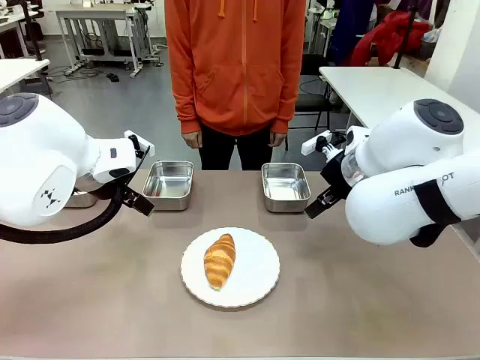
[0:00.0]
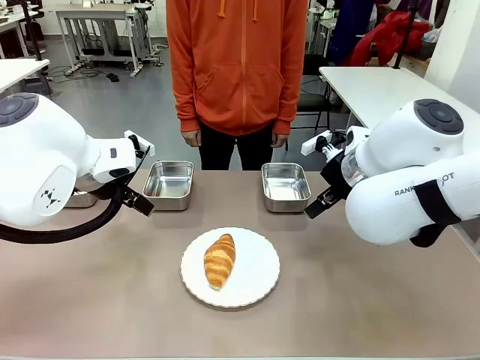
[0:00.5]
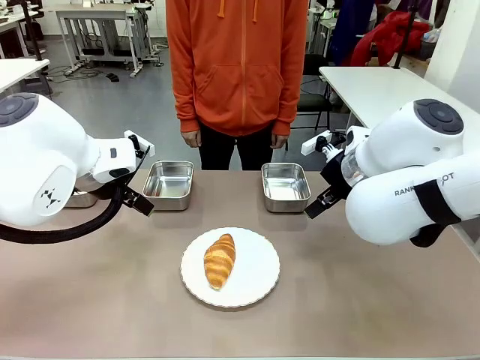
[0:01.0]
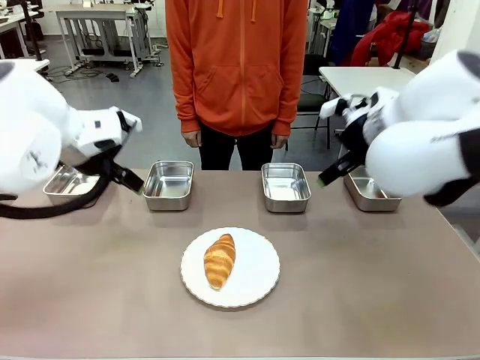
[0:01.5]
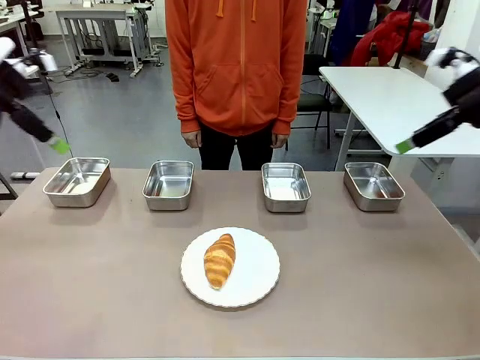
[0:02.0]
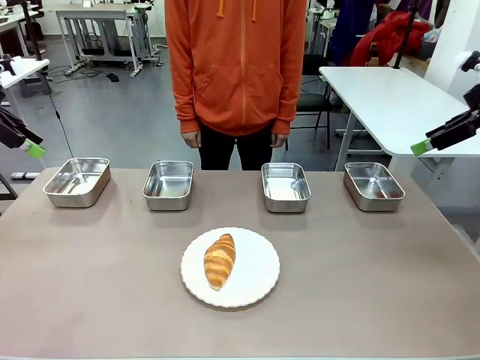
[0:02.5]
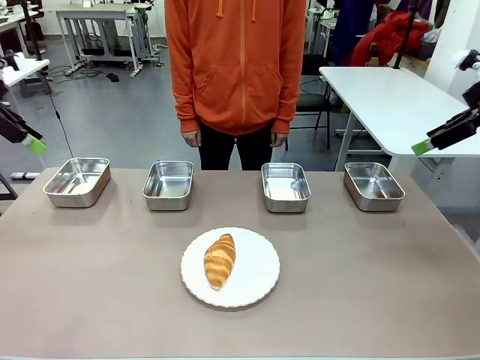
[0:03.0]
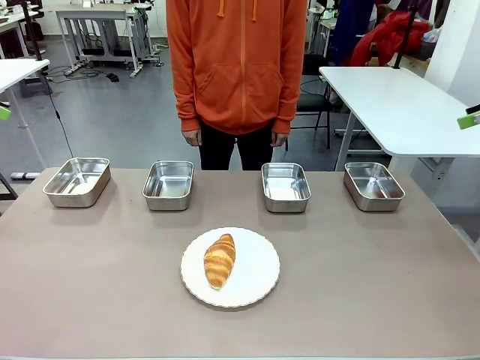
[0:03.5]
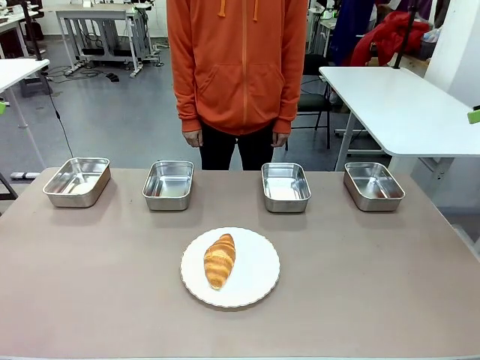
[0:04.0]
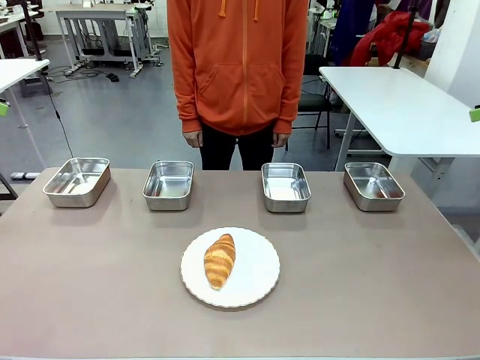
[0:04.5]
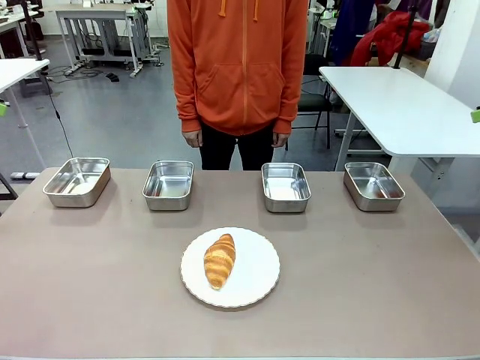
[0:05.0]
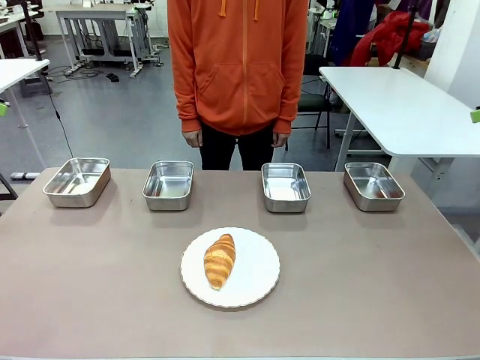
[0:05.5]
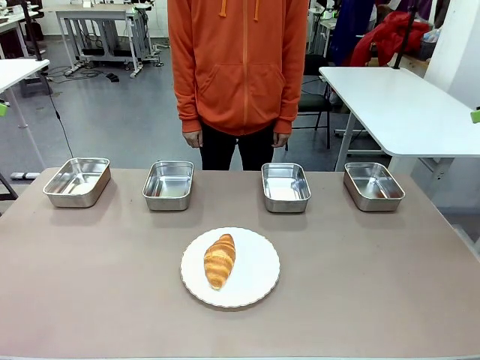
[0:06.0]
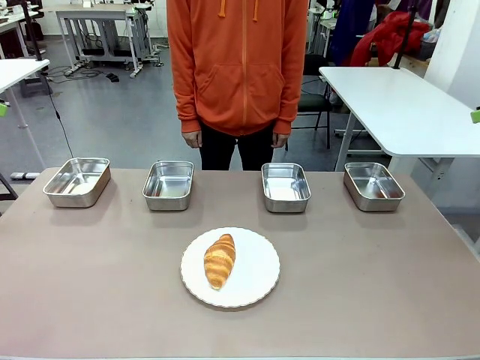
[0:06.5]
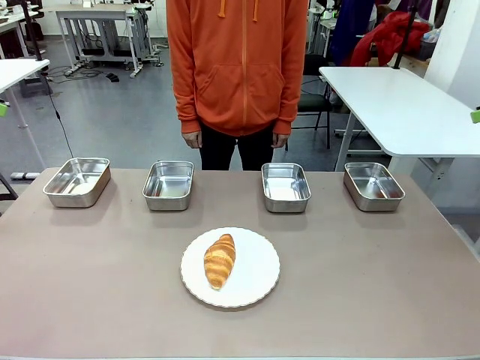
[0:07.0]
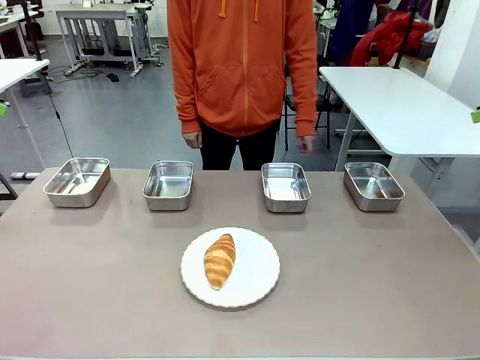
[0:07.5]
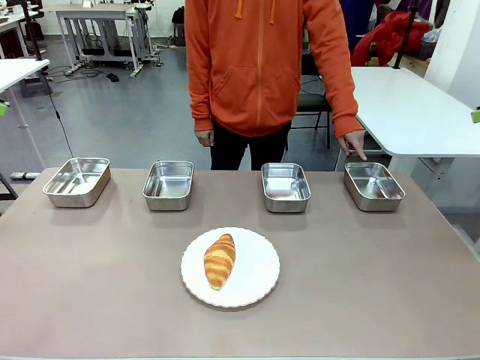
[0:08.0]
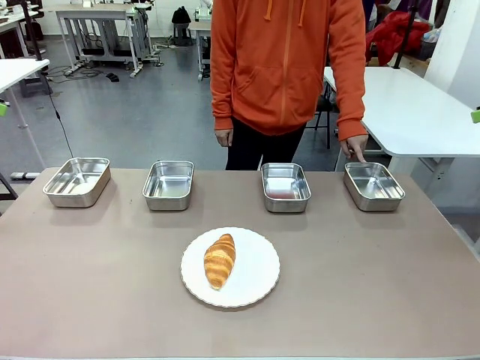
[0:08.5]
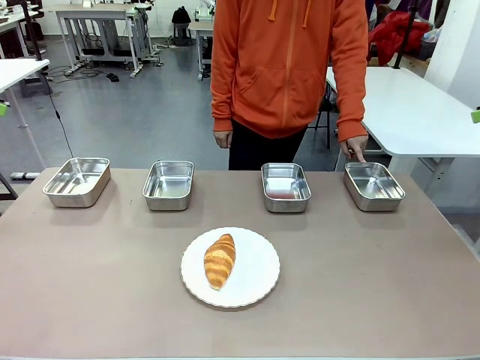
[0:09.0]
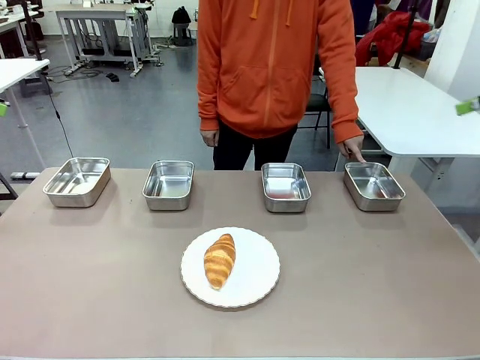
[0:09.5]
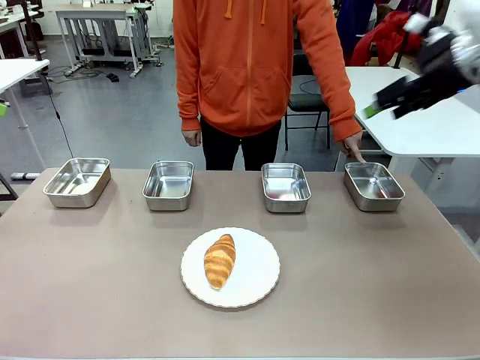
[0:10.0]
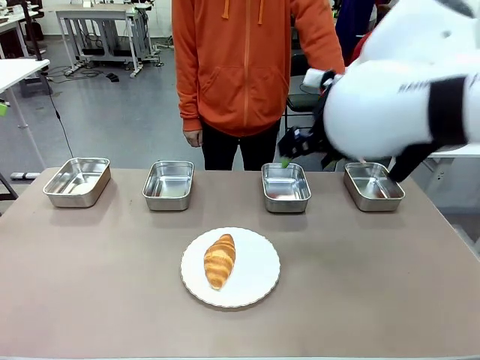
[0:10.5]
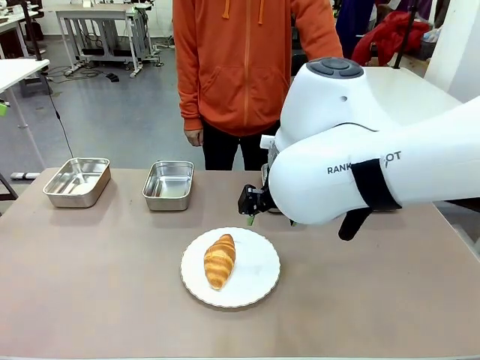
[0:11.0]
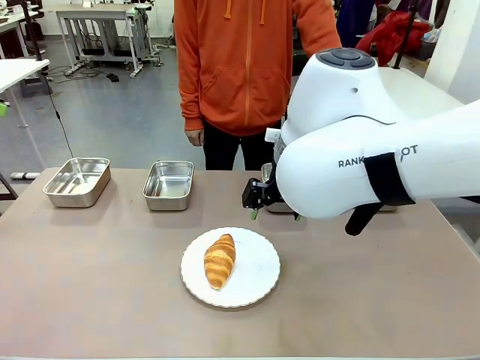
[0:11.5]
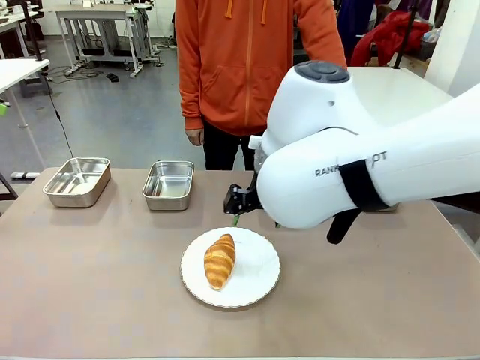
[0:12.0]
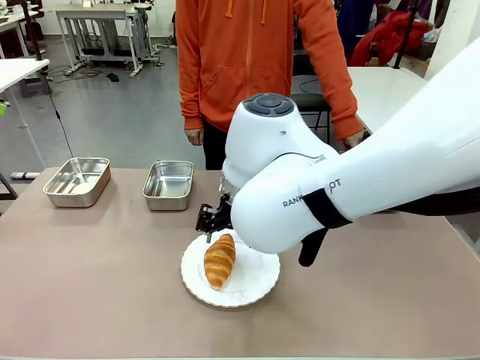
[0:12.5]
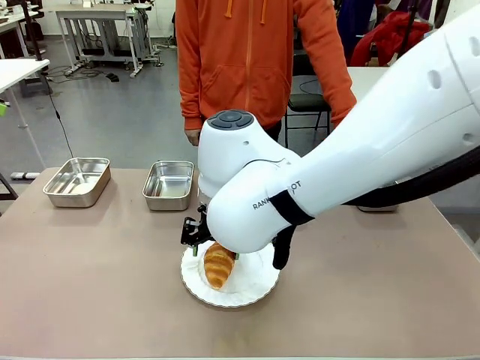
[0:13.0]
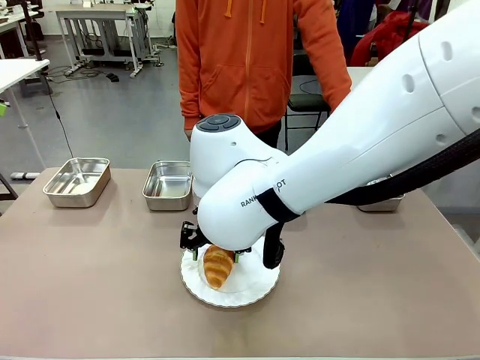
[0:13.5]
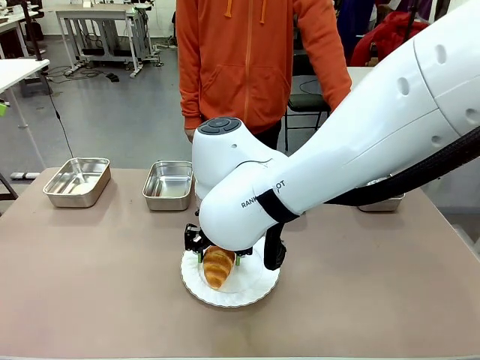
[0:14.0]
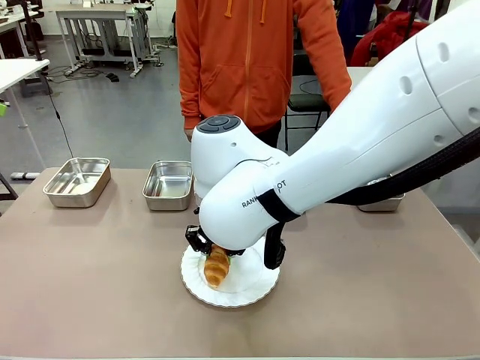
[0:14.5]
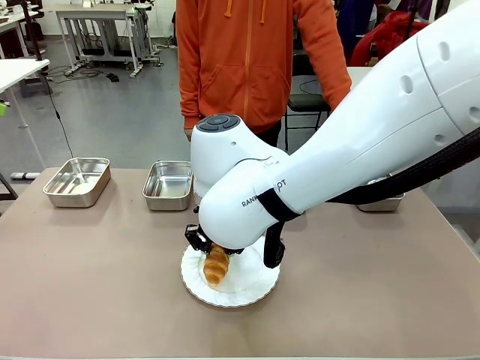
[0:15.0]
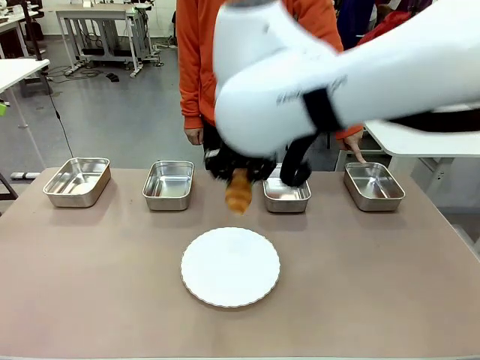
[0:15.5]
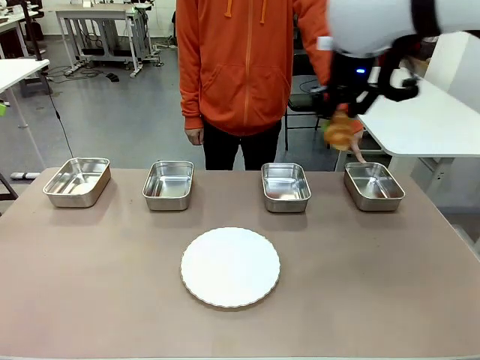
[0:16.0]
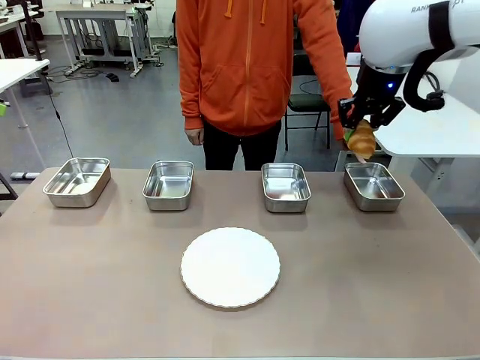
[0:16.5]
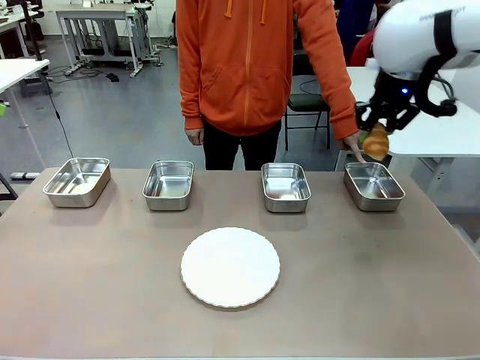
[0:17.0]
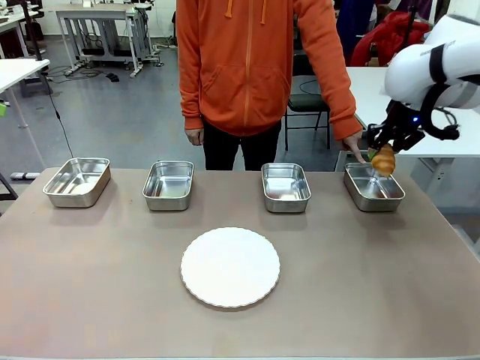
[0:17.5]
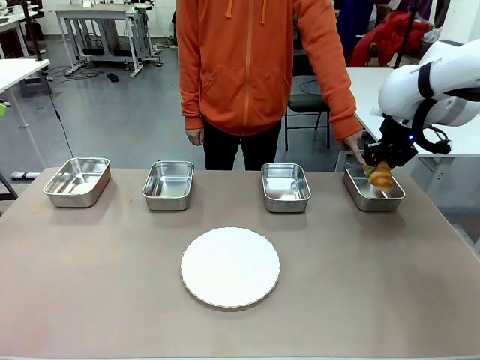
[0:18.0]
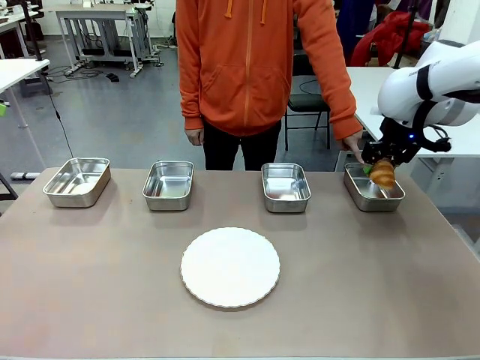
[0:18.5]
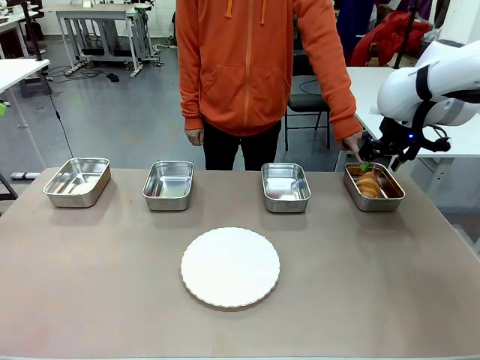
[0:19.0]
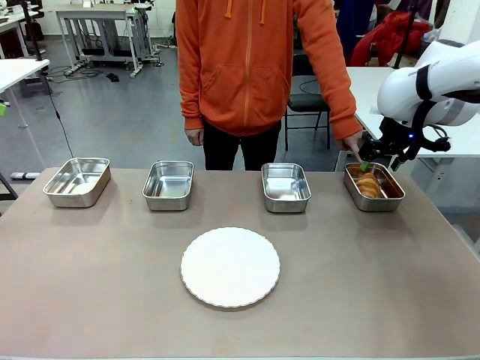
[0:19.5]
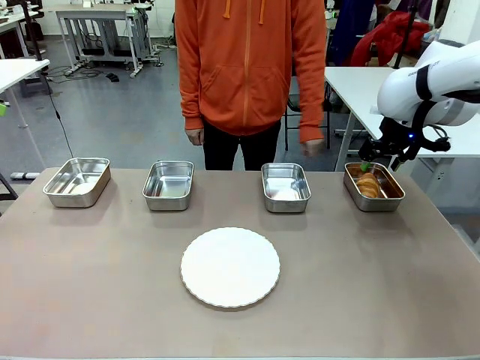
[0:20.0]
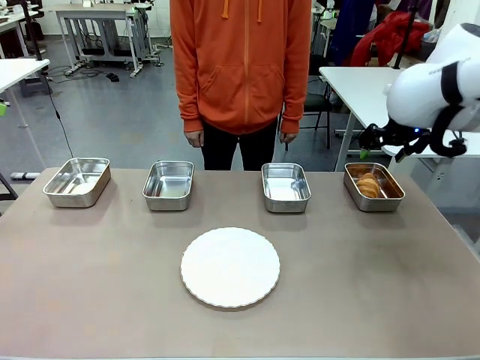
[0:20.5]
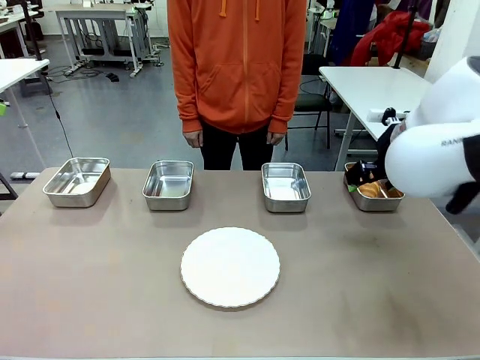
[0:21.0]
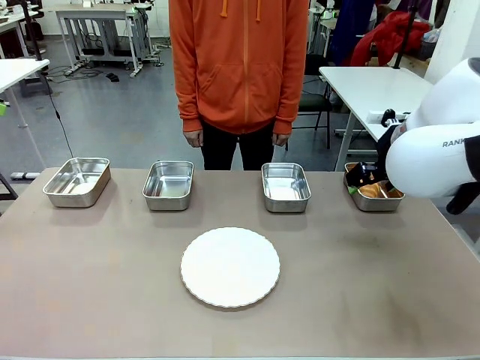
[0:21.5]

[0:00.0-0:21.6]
Task: Place the bread in the container.
Robot: Place the Butter Roll into the Airtight Container indicated by the human.
Person: A person randomly selects and points to an Airtight Container.
